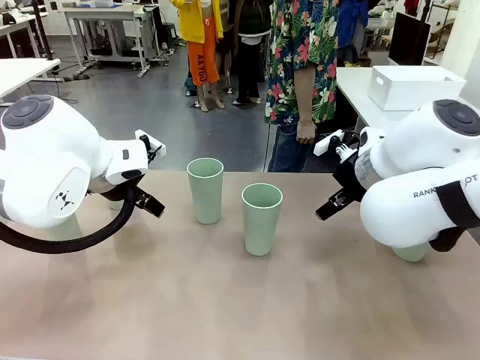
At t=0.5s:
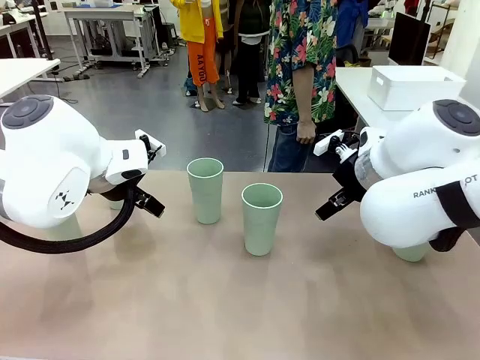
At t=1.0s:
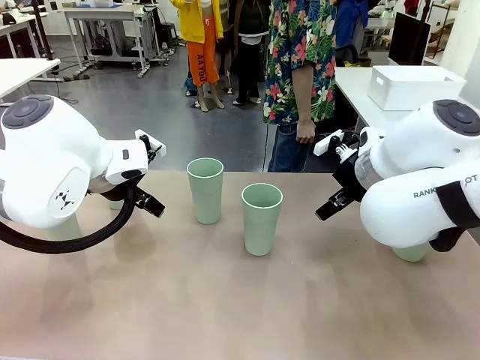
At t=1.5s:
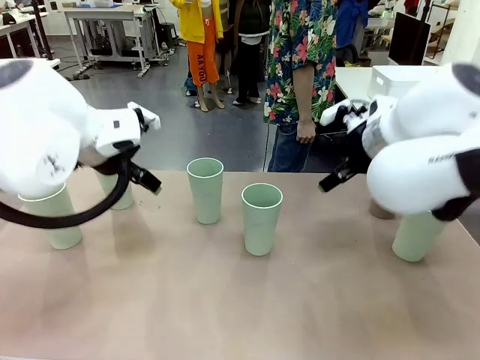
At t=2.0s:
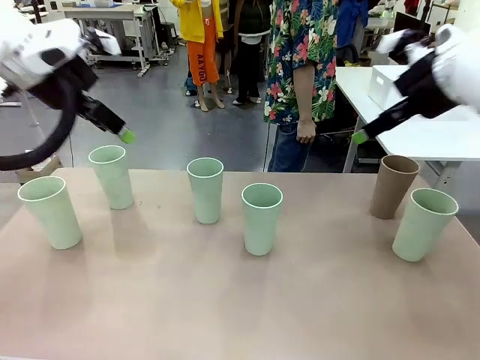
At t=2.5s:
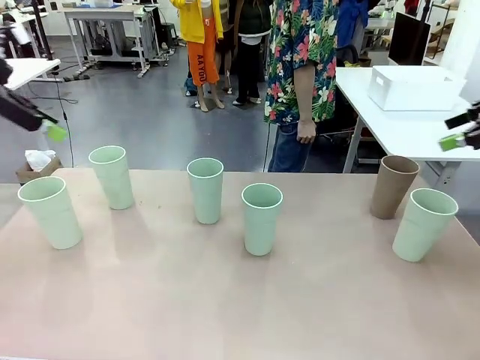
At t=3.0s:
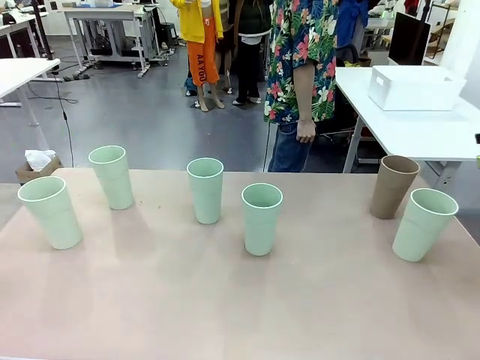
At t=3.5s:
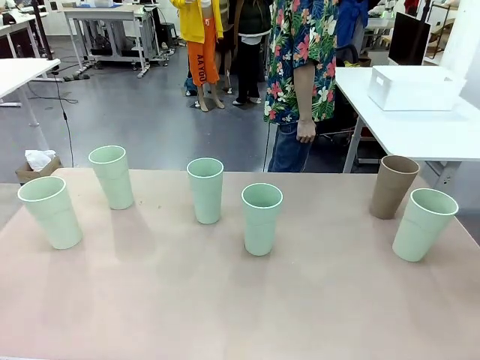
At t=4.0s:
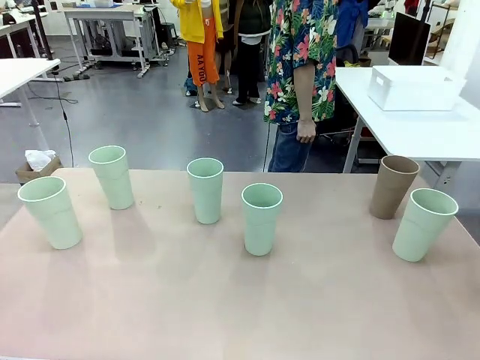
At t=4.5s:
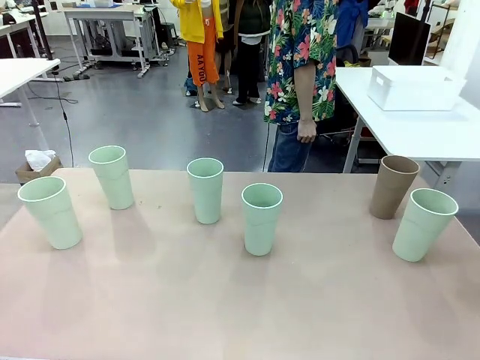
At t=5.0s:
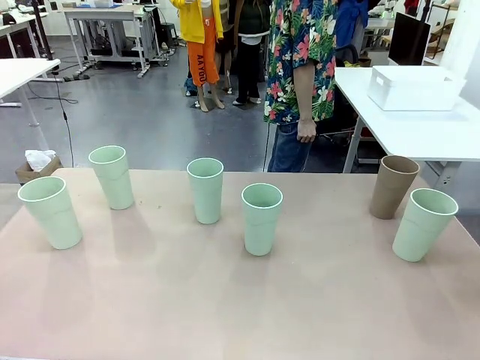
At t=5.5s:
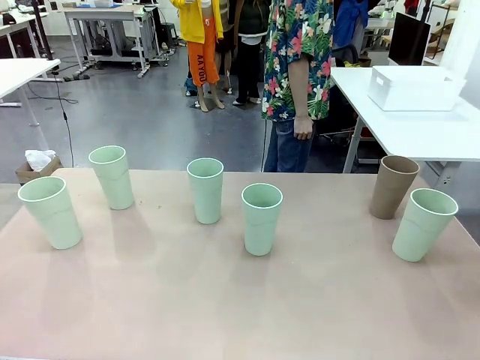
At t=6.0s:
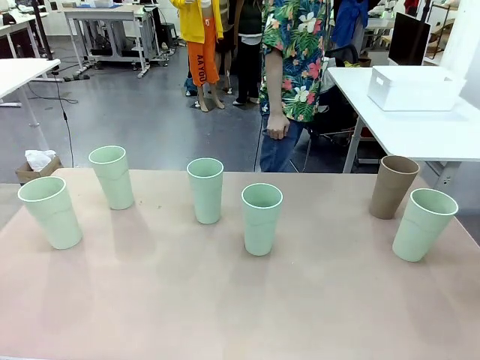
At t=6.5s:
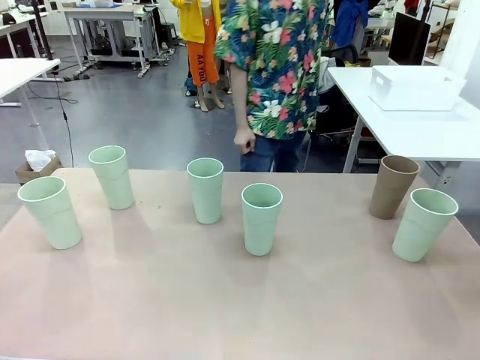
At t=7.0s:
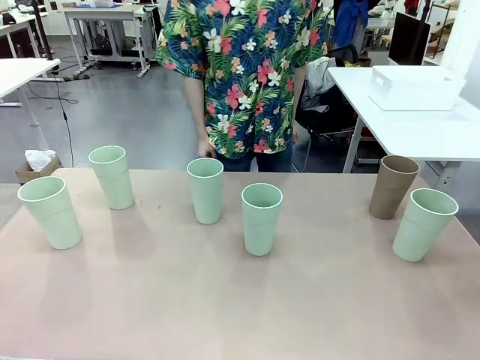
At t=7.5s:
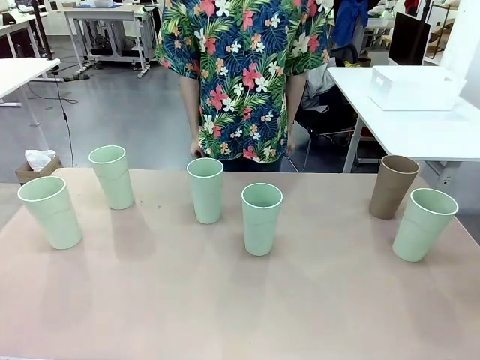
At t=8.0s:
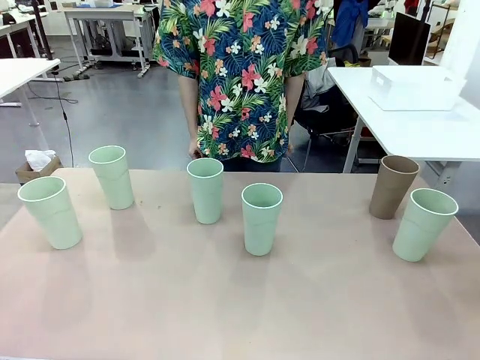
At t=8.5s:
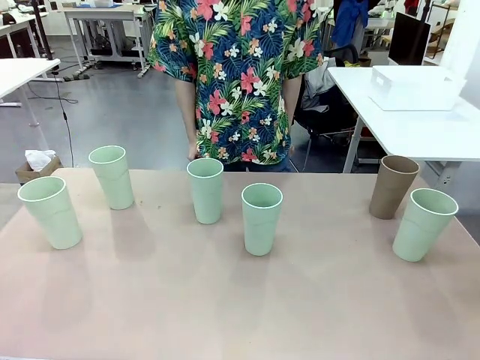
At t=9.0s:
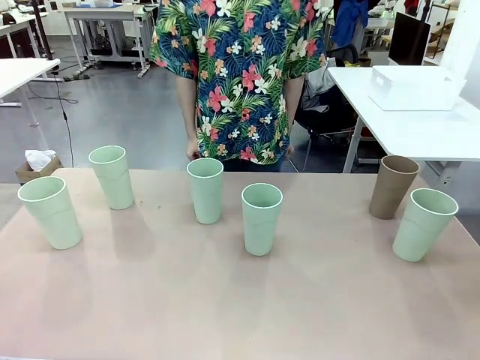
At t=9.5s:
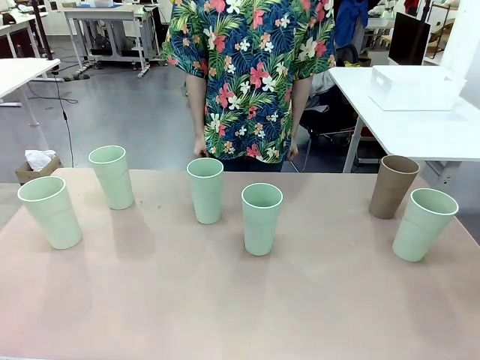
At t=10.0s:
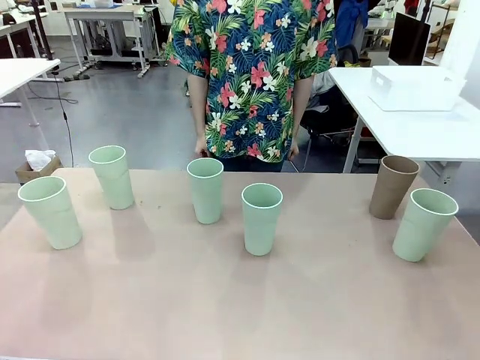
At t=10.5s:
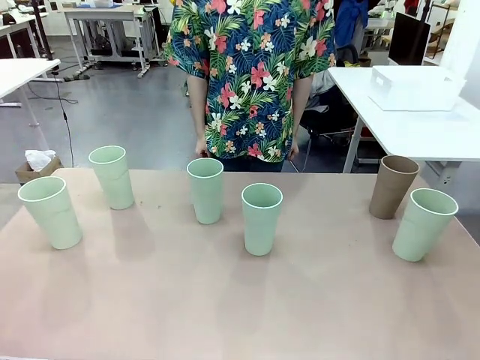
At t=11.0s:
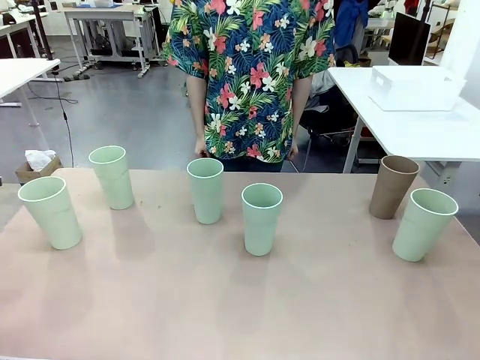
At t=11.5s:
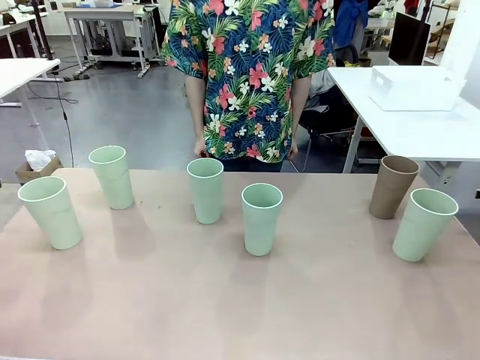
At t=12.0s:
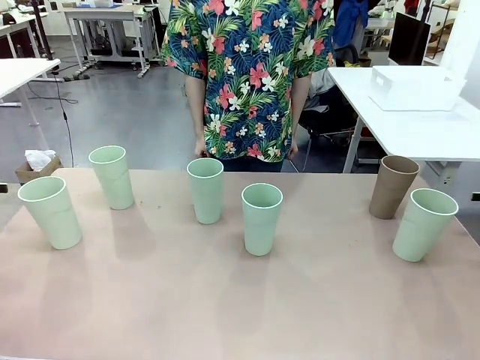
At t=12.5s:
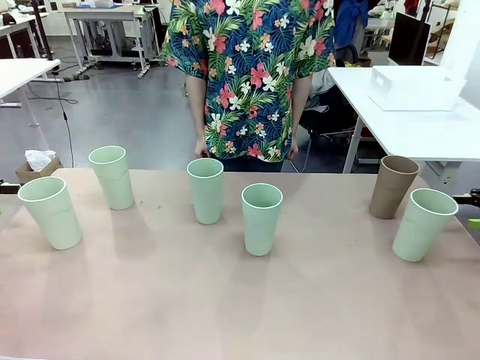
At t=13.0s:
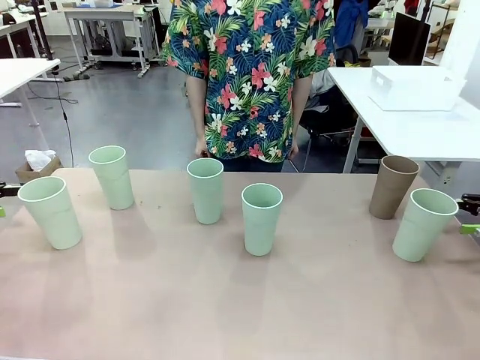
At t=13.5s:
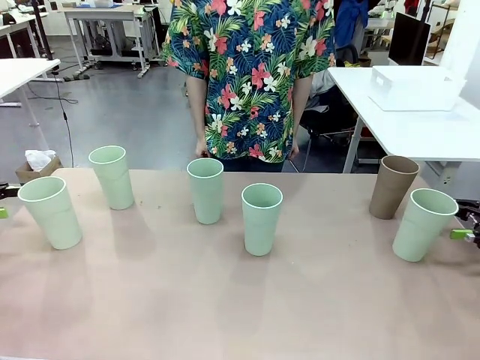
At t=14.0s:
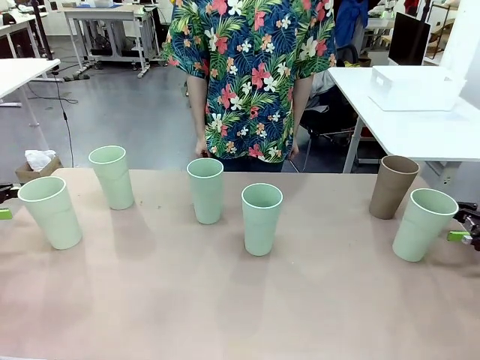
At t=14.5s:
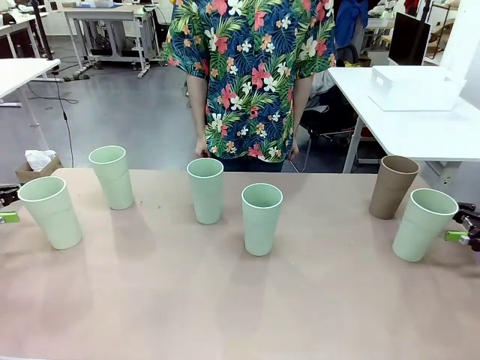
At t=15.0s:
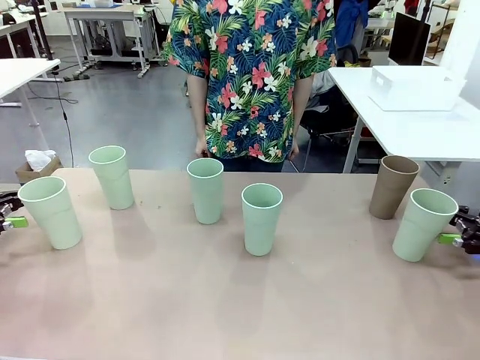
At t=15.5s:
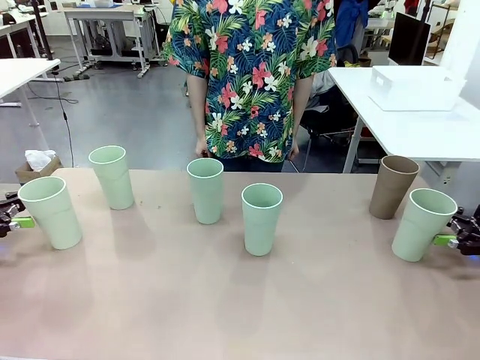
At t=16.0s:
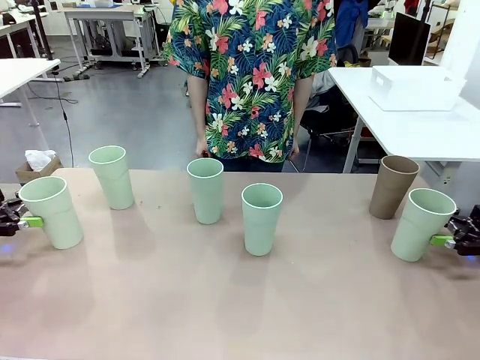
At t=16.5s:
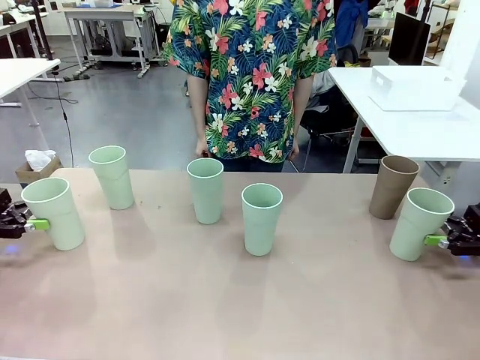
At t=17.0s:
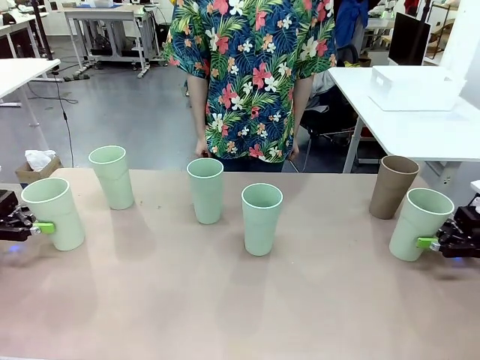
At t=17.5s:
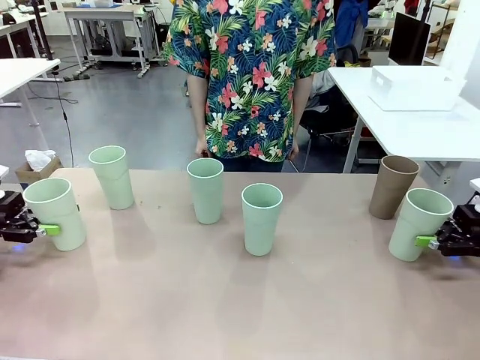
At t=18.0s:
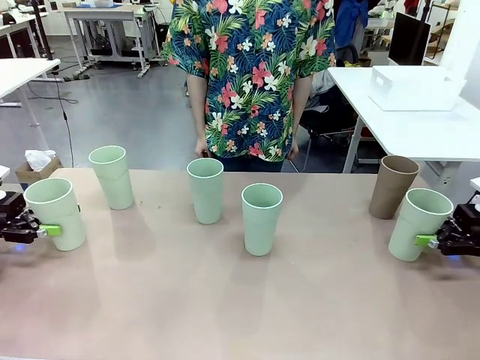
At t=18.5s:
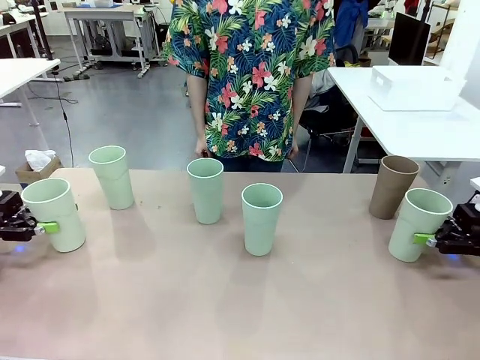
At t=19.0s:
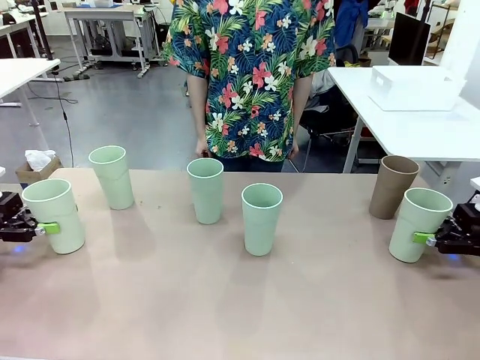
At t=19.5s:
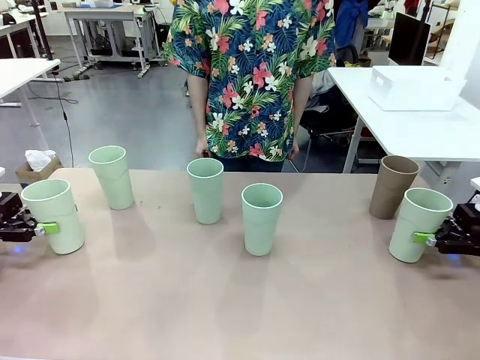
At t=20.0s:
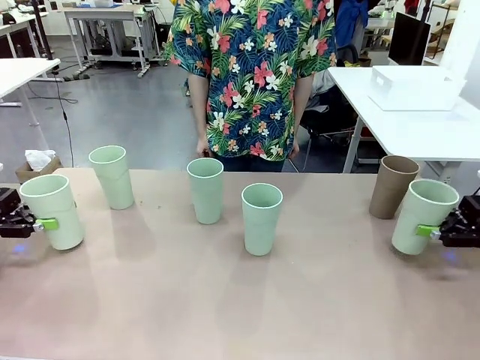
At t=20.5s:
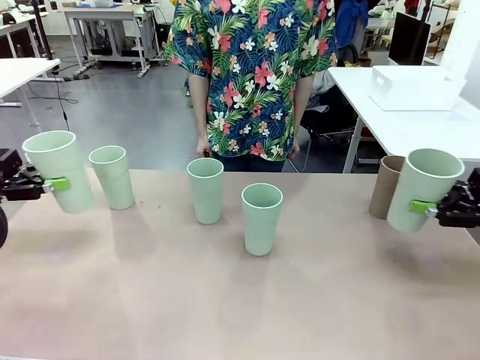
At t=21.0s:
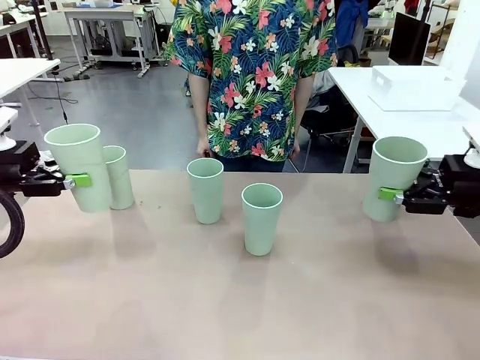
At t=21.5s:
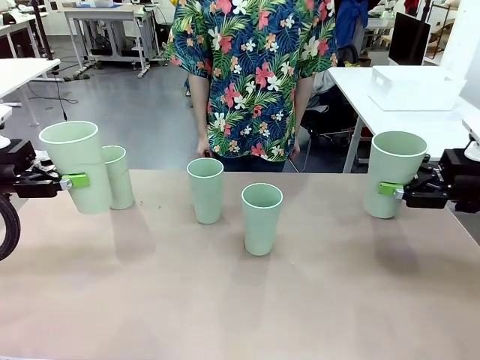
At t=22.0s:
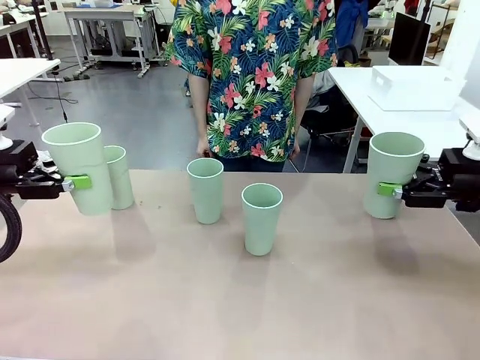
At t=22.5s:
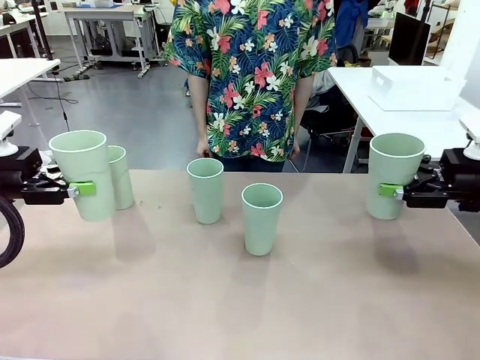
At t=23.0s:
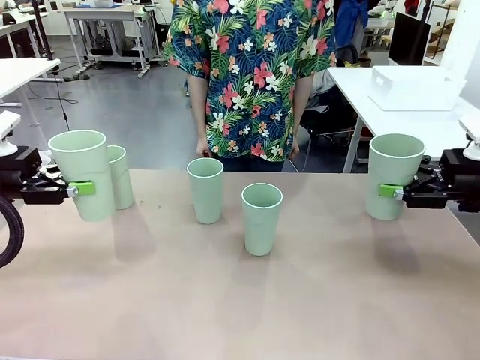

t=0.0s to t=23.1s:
Task: Stack the cups and store them in the basket.
Robot: Pick up two Reusable plastic cups , one in each hand.
Person: Move from the Human Table to the front of the Robot Table. Stack two of the remaining cups on top of each cup held by the robot.
